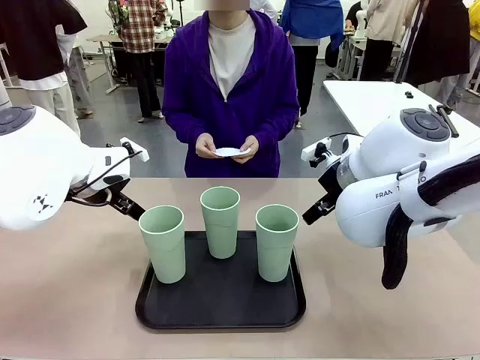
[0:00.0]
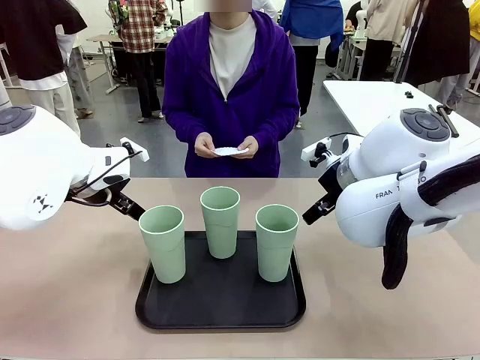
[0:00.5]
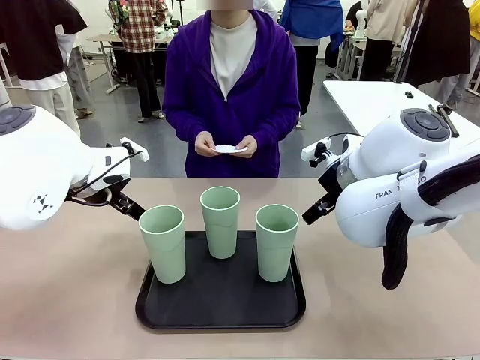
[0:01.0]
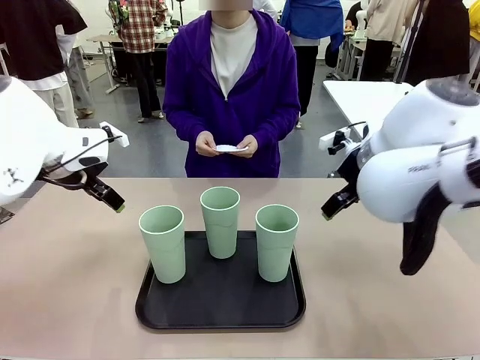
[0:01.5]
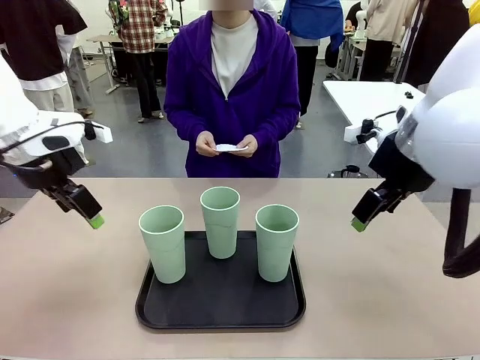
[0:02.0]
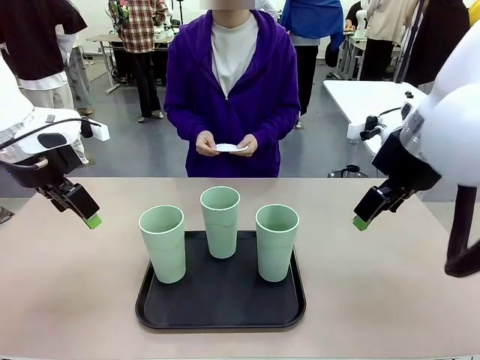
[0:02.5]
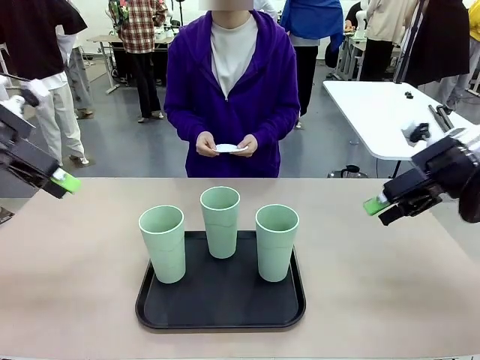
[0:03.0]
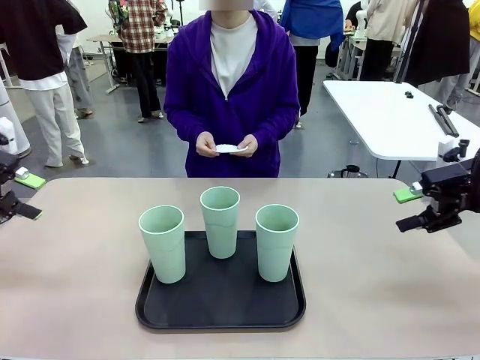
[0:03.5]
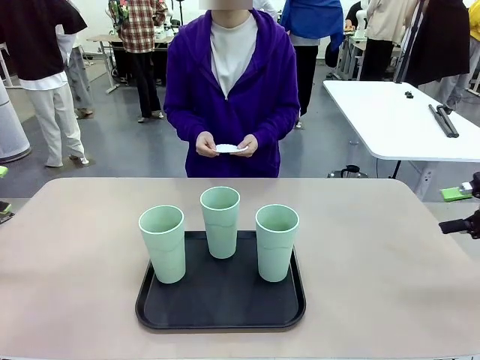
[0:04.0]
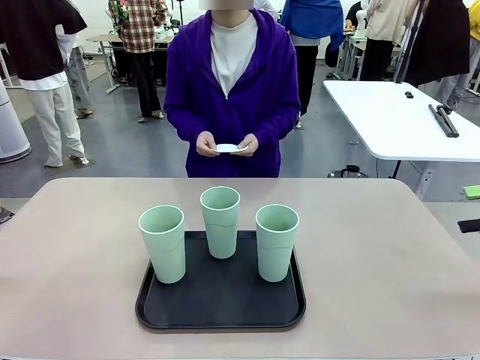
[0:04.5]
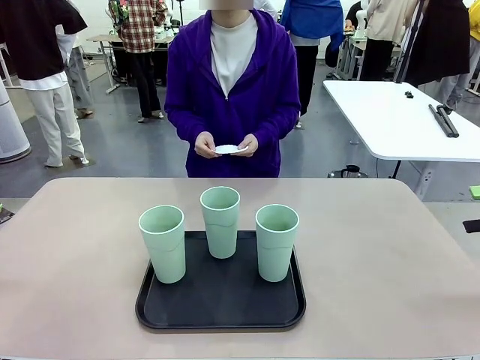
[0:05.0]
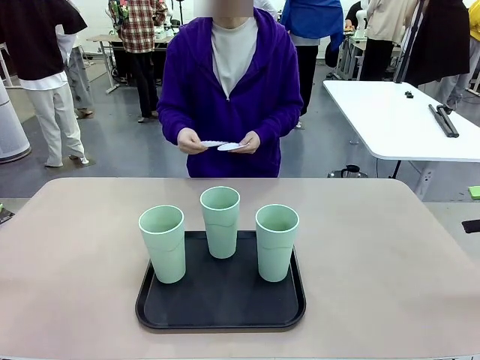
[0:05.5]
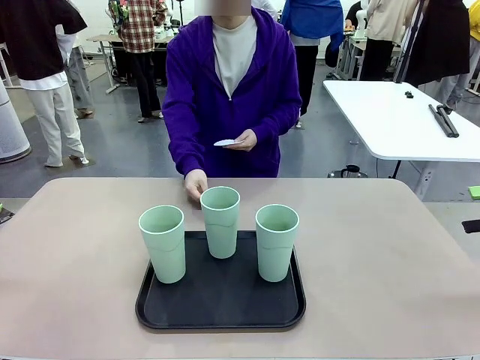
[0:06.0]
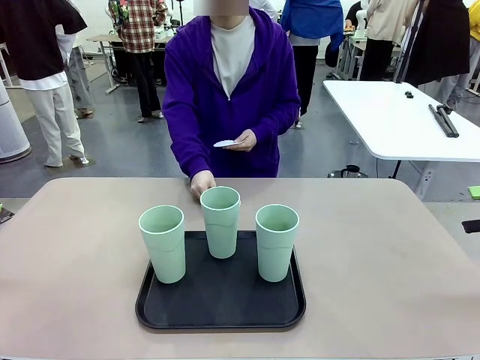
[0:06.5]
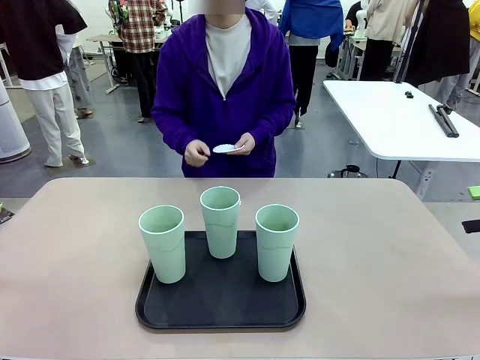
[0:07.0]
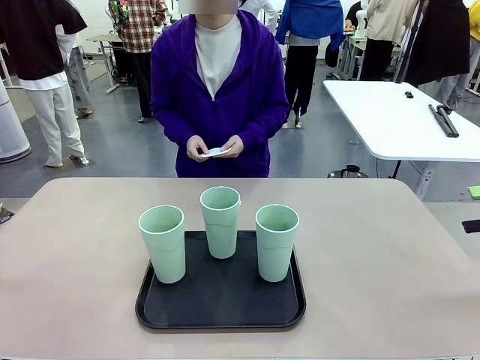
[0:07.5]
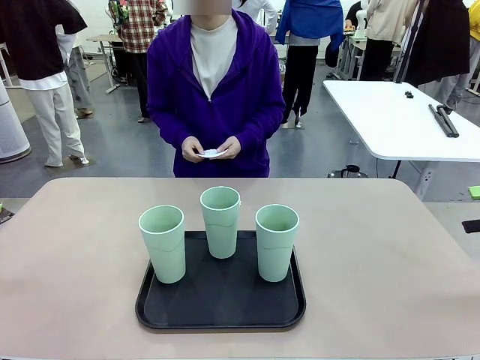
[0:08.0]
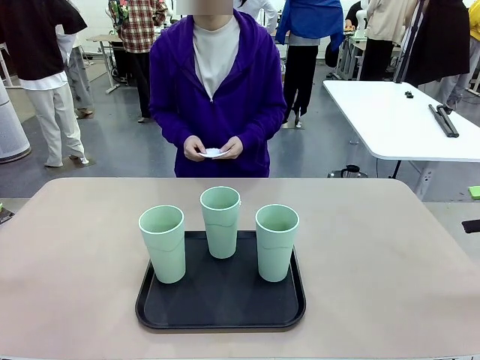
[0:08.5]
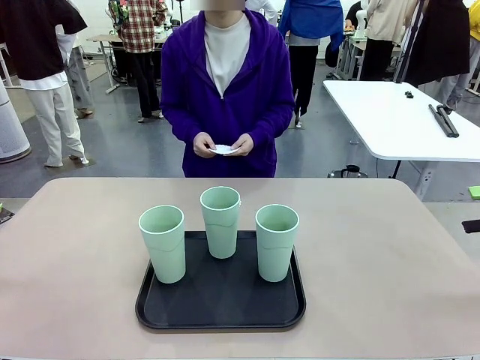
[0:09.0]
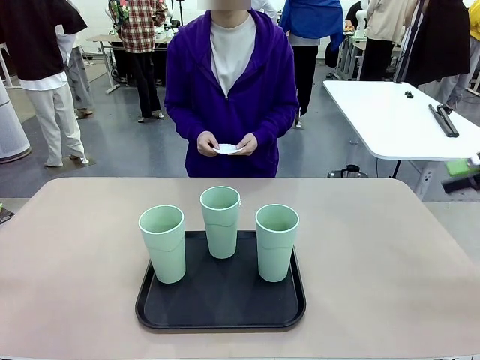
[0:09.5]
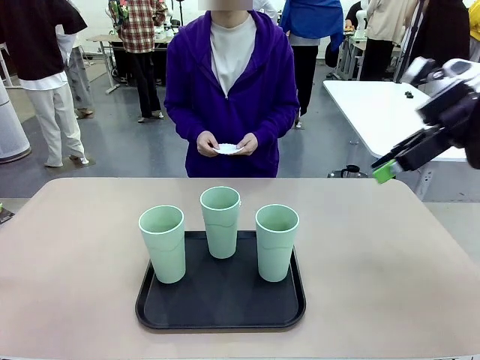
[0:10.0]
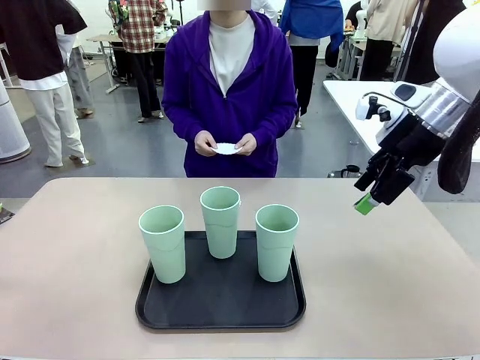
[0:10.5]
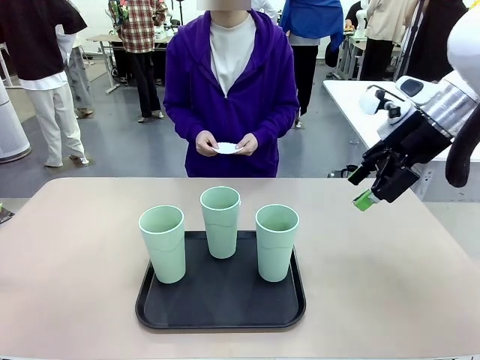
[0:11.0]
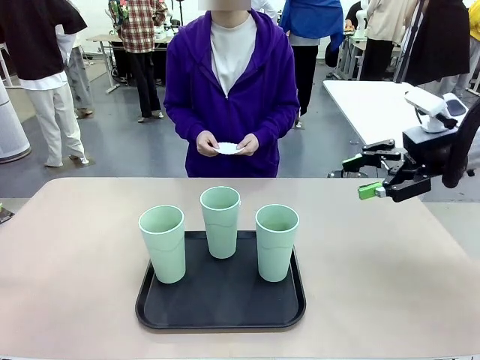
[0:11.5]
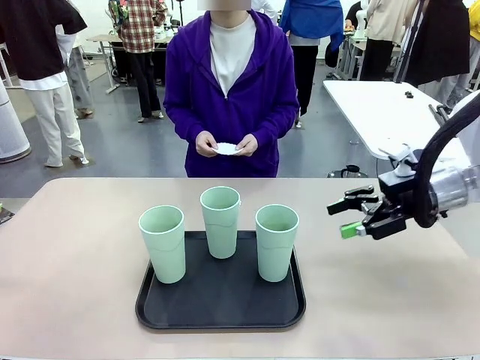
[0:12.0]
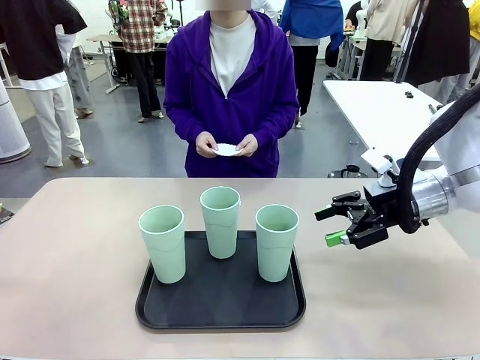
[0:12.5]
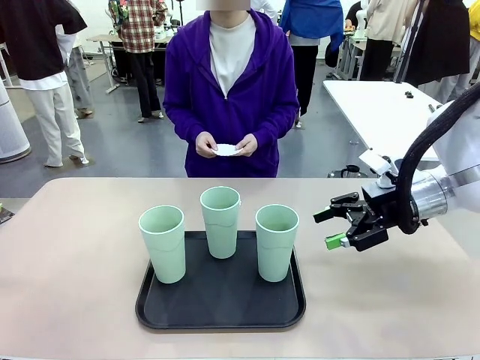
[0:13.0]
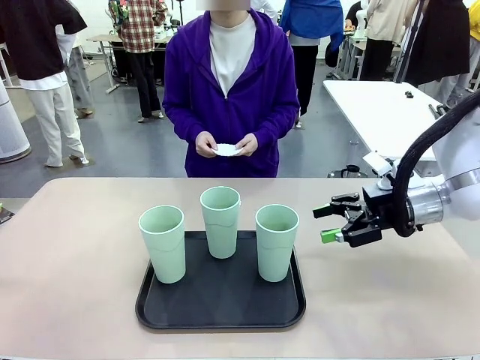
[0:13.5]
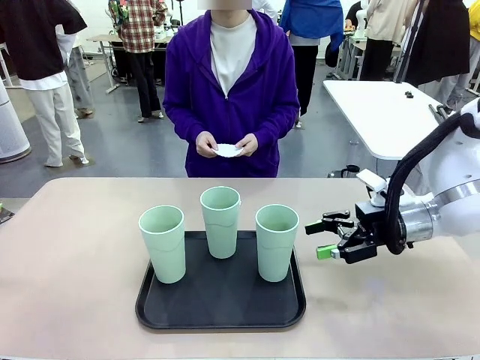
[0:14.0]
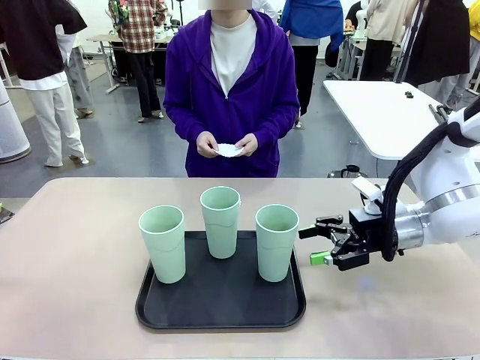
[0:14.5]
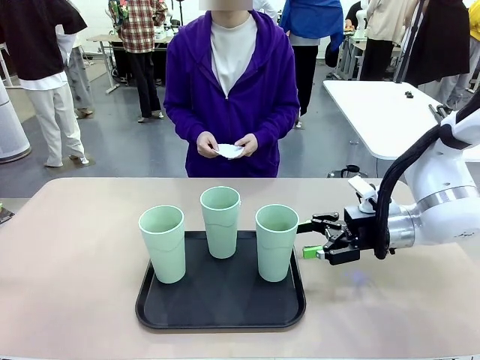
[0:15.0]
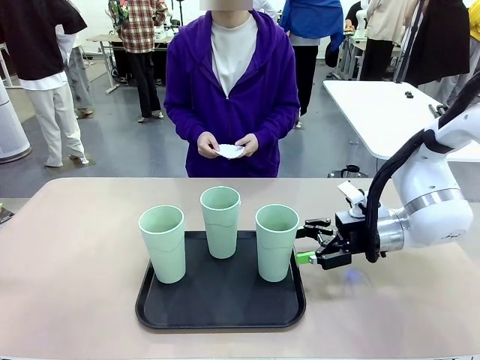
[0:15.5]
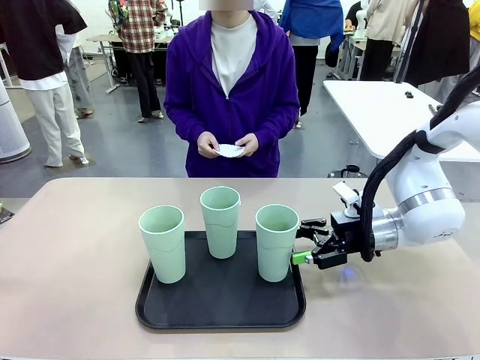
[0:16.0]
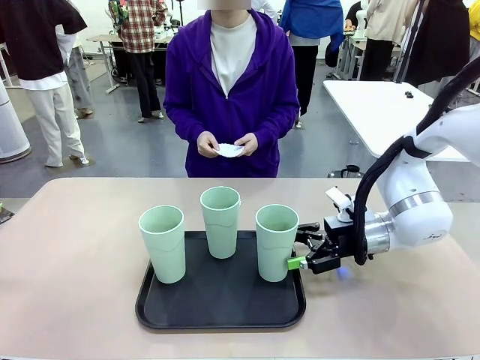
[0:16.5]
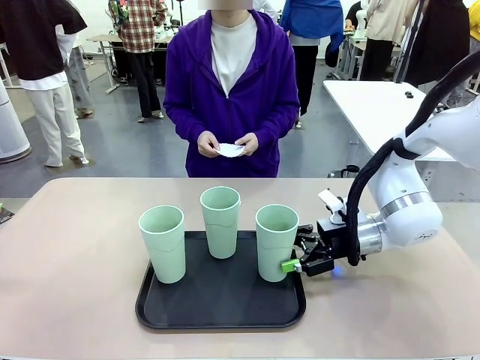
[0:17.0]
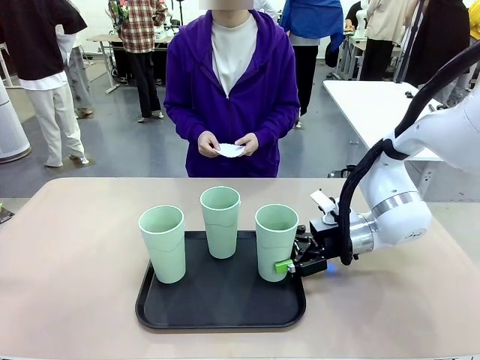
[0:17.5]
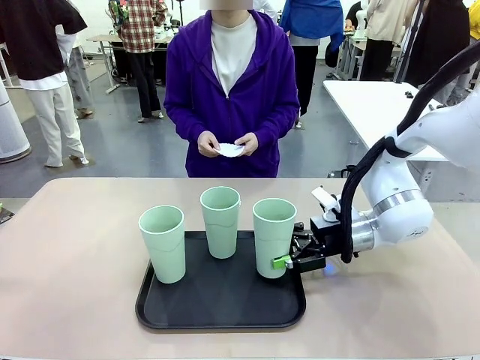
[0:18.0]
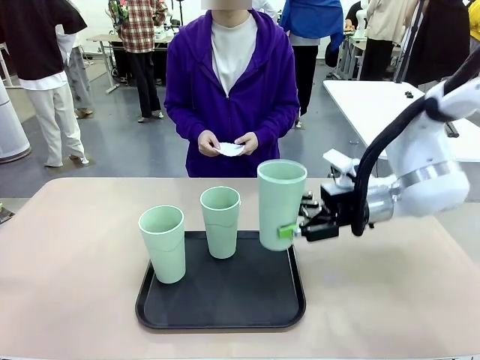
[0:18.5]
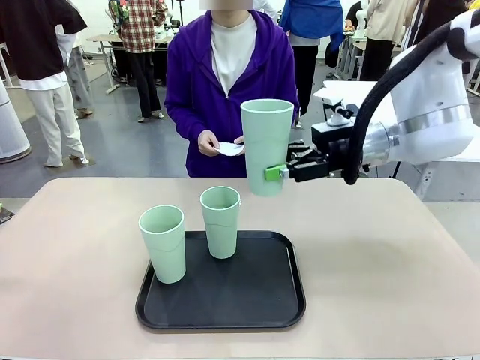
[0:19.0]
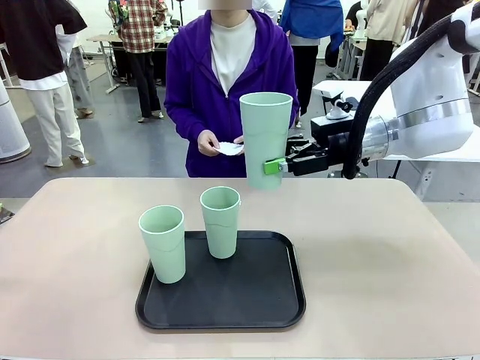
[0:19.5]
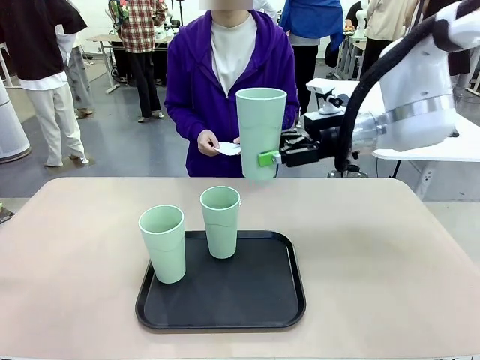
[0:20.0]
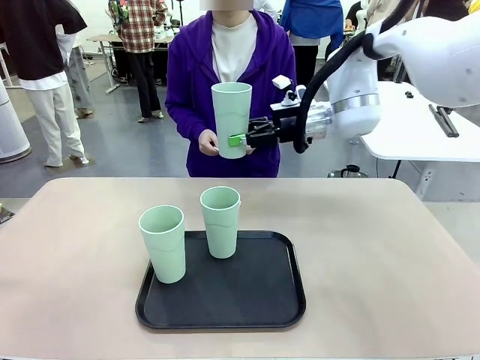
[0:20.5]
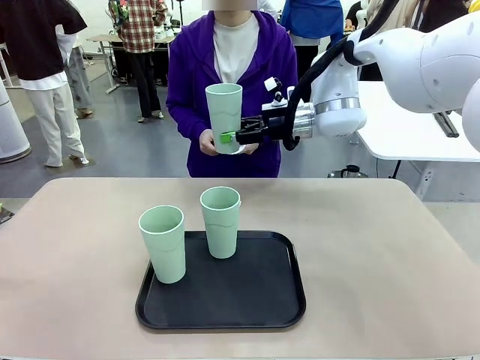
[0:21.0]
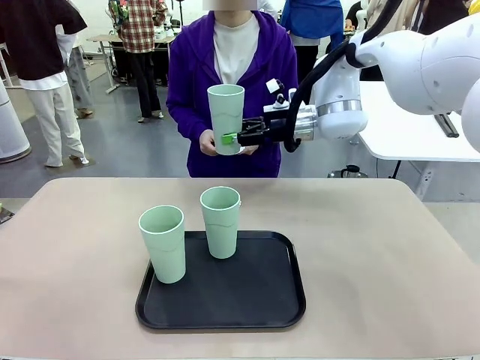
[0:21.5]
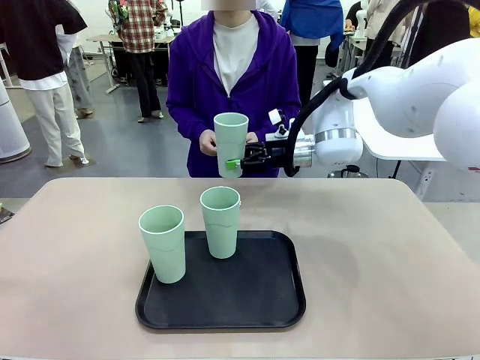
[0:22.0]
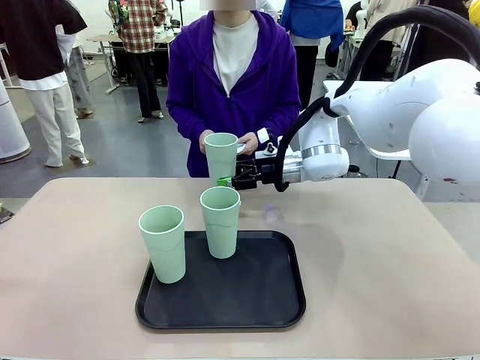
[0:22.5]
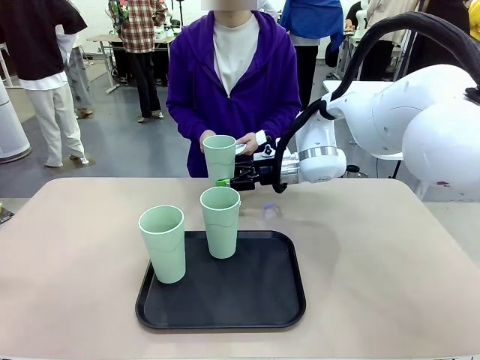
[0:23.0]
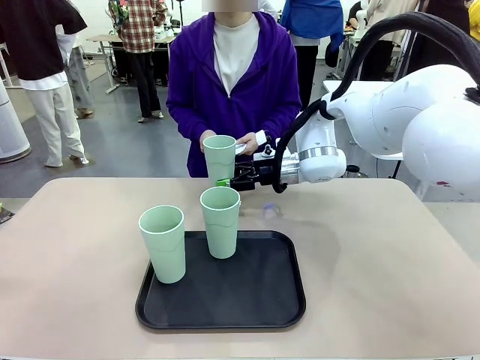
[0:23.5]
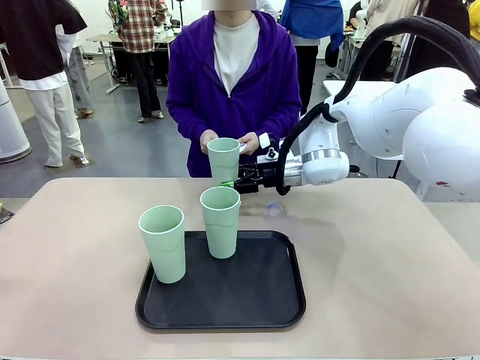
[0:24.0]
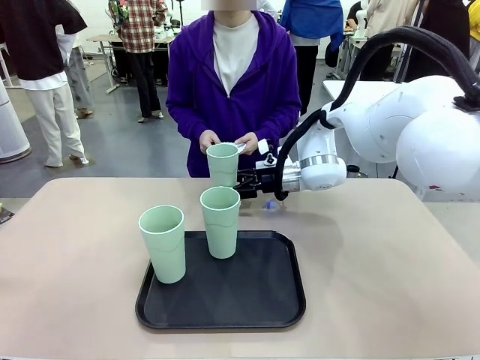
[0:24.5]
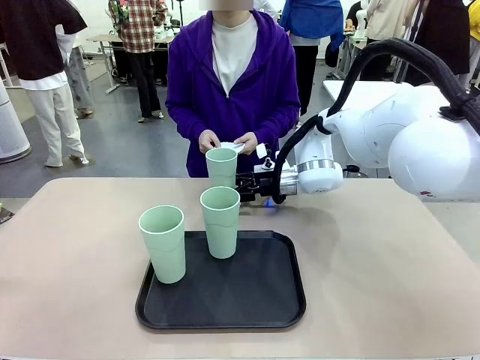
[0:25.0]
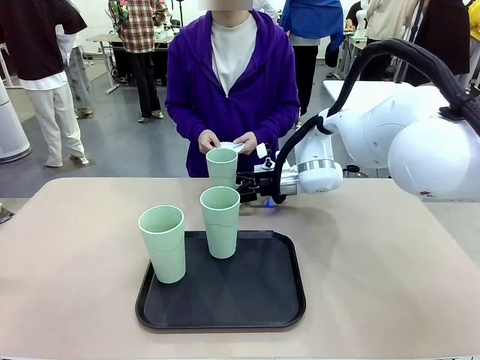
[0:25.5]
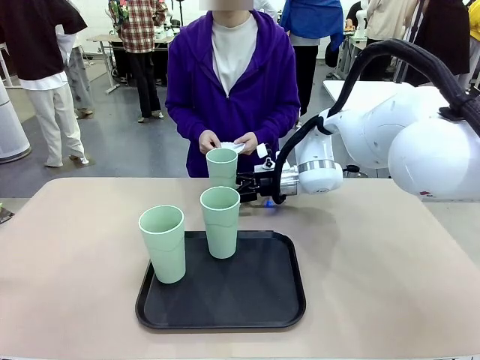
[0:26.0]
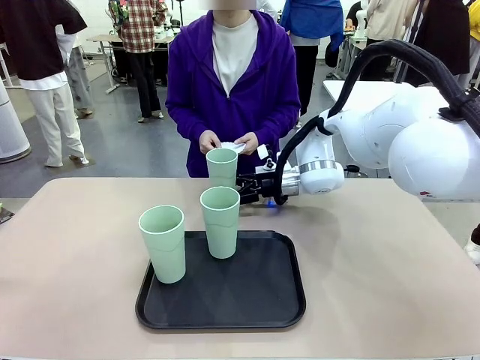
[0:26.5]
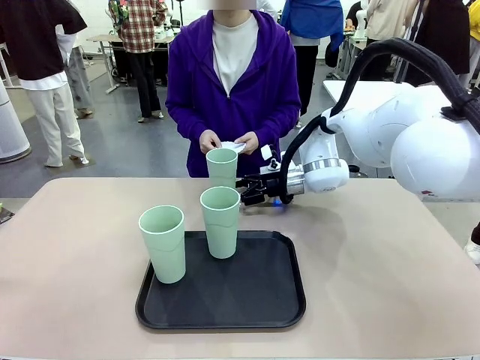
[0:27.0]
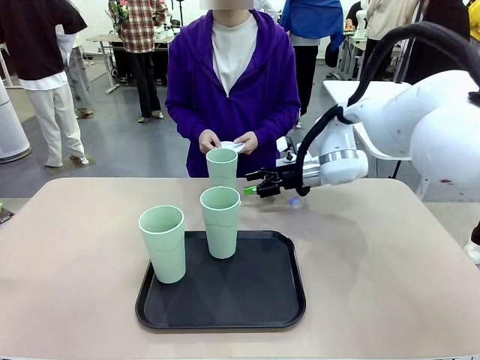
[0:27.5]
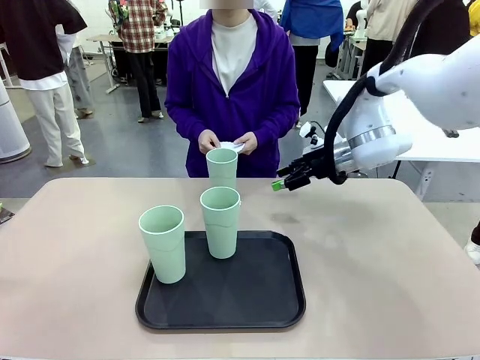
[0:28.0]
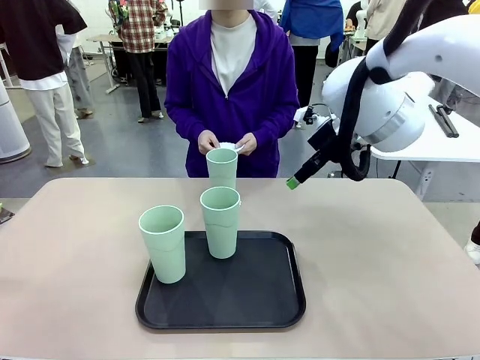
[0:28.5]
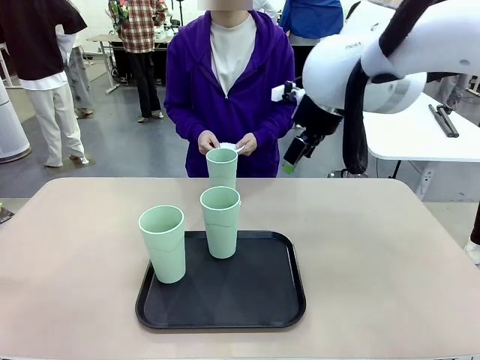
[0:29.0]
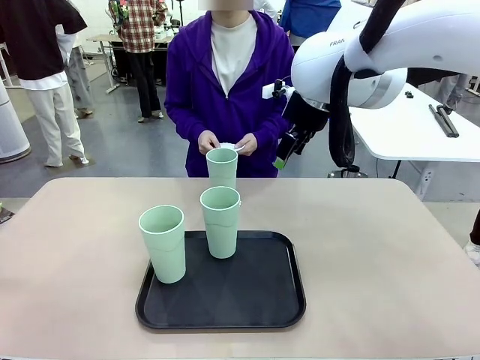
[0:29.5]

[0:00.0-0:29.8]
Task: Place coasters on the table and set cups on them.
Robot: Pick up one Reusable plastic cup and place it on a coaster set by the human.
Person: Place one coaster in any one of the three lower areas of the robot table (left, center, or right). Place one coaster in one of the two areas excluding the previously selected area.
